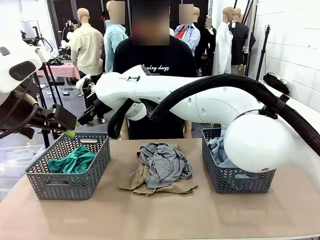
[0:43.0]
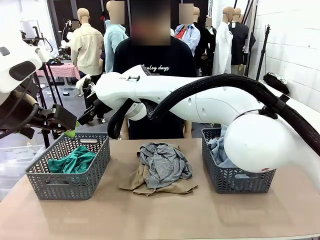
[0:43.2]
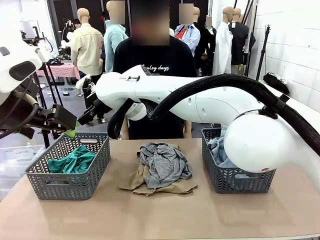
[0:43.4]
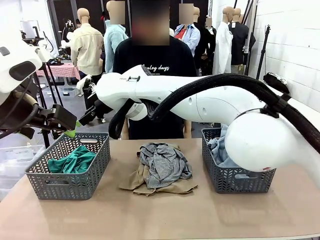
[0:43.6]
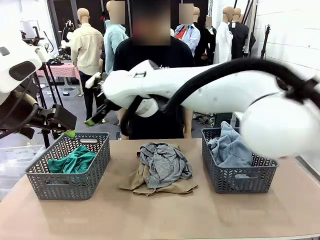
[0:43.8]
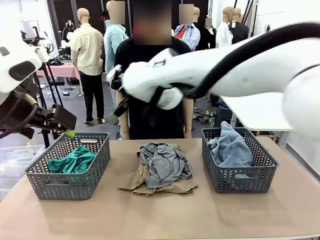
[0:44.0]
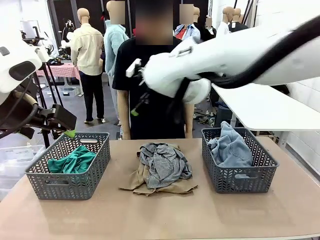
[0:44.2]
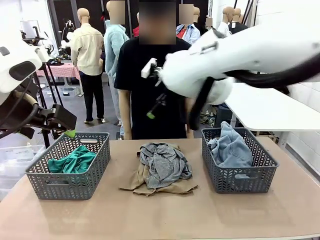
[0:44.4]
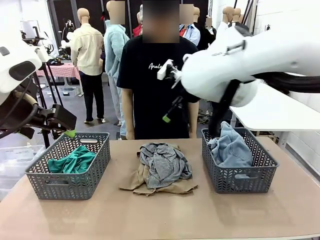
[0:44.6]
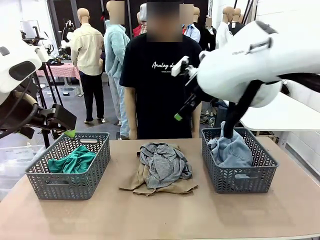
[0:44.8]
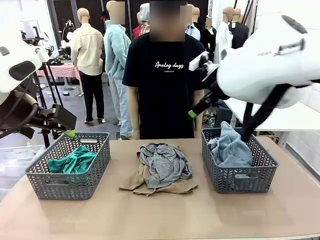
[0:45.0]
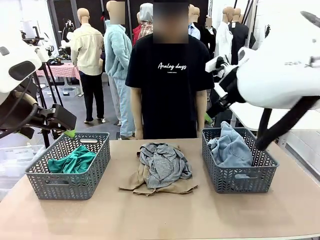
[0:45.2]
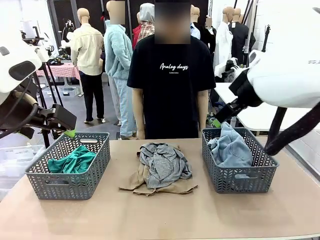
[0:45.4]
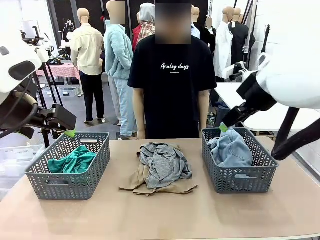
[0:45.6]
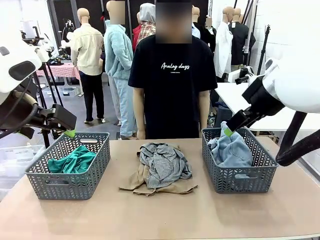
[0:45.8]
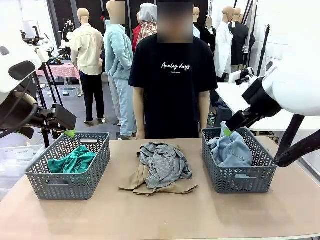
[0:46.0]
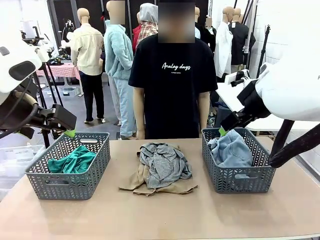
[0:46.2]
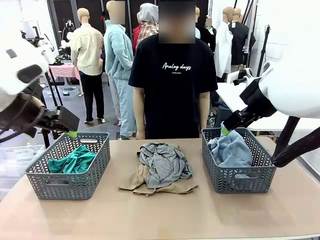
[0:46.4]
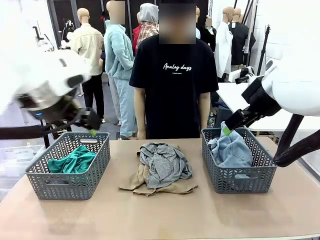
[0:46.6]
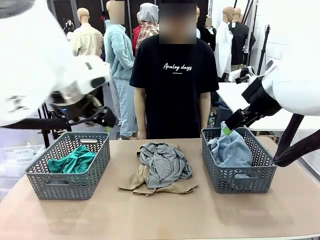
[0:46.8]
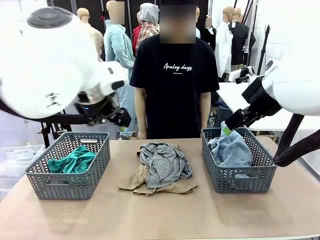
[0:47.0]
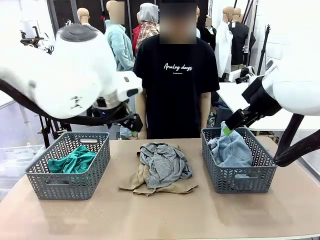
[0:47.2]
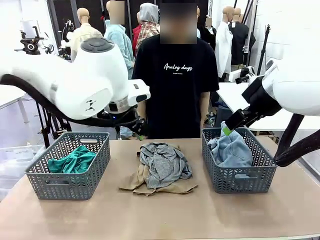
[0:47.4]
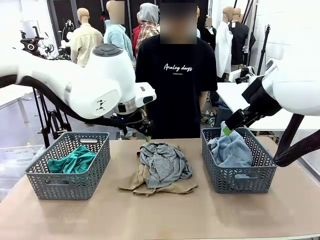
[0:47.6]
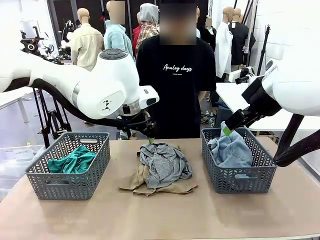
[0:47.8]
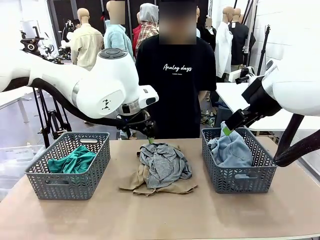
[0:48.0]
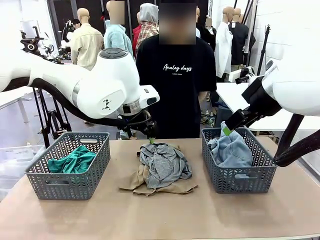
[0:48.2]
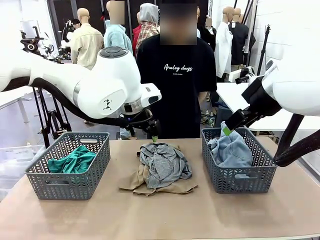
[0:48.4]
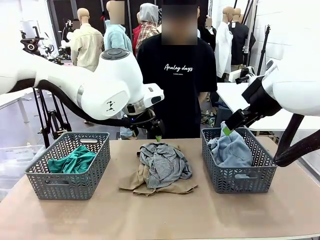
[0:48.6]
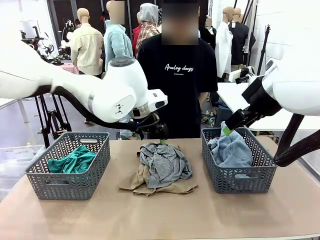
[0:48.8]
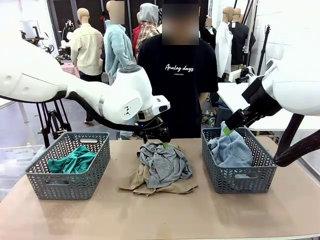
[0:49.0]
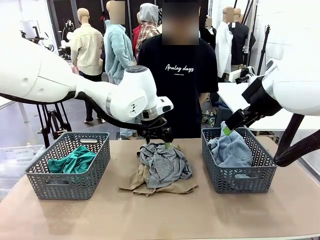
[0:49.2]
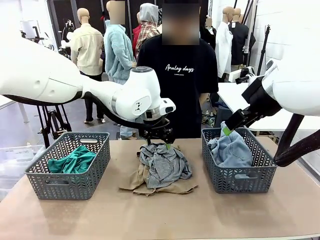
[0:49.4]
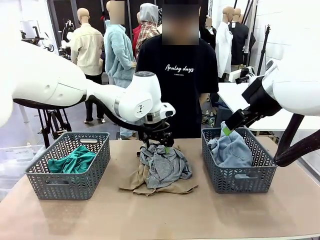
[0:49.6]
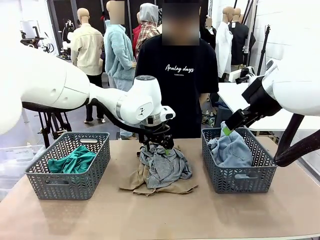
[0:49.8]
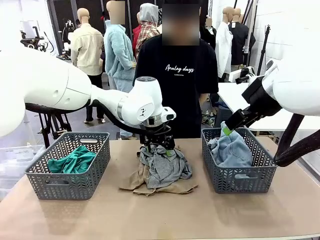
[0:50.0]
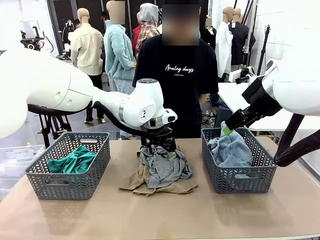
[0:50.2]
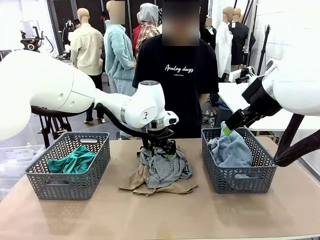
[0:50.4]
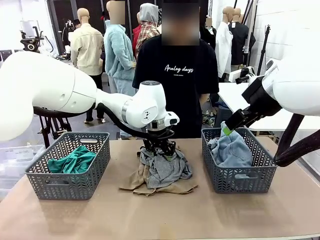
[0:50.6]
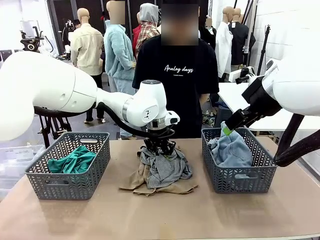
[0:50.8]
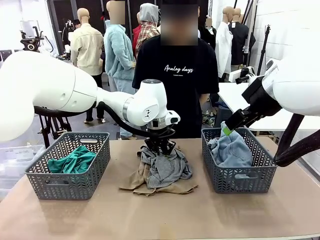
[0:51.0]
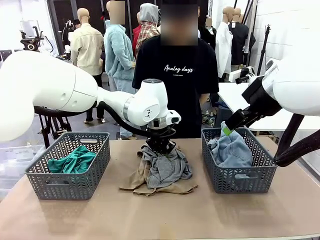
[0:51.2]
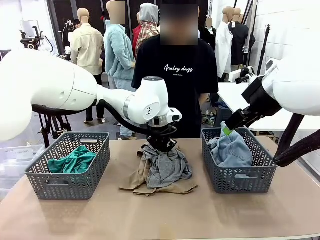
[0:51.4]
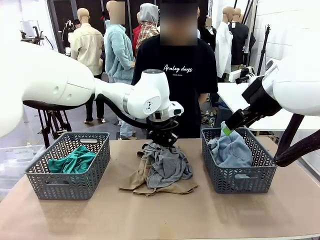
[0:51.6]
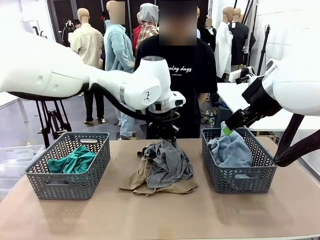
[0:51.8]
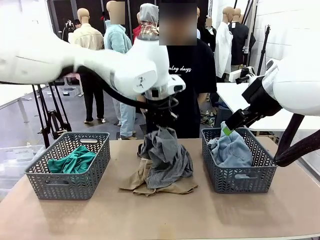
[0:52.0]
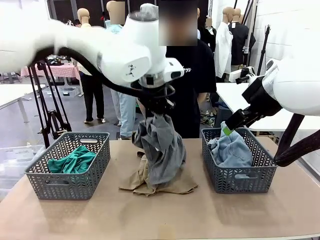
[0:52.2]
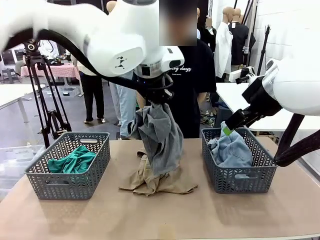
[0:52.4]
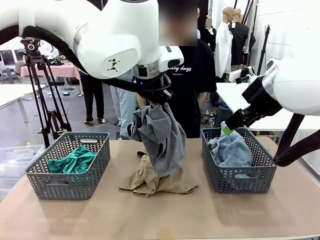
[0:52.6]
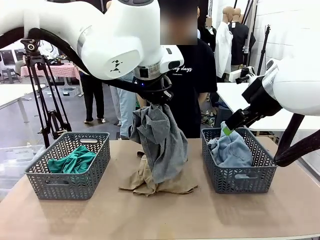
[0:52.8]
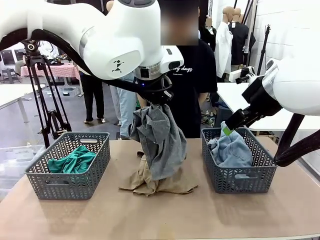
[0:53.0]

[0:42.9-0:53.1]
Task: Sort the tops and bottoms.
Robot: Lift clothes from the center of the table with your left hand.

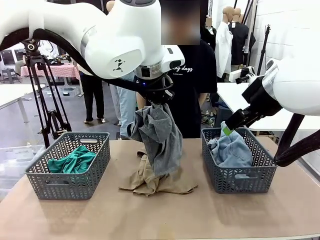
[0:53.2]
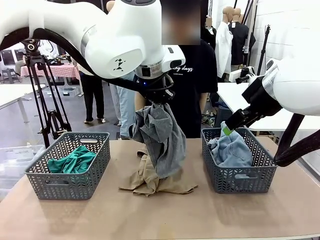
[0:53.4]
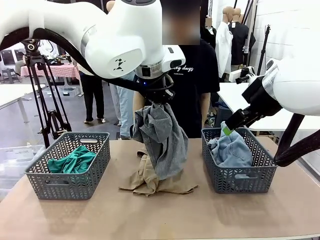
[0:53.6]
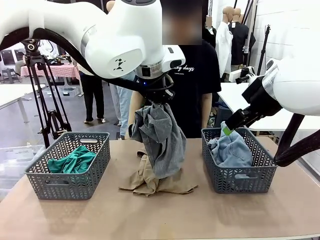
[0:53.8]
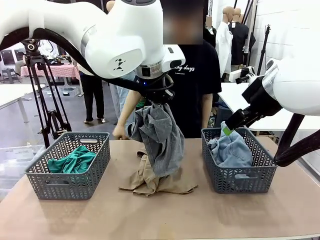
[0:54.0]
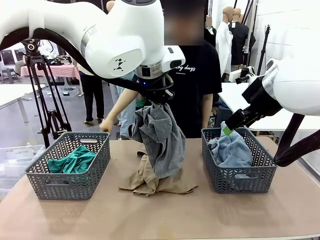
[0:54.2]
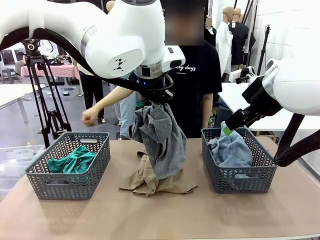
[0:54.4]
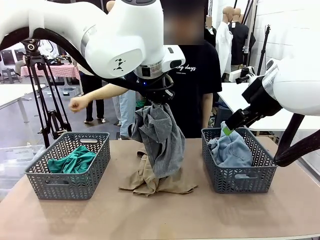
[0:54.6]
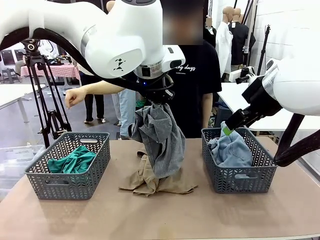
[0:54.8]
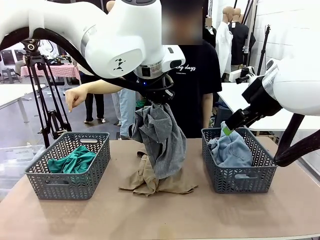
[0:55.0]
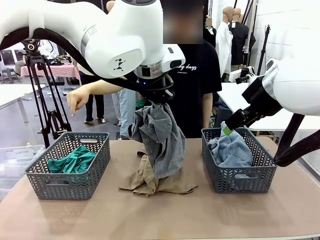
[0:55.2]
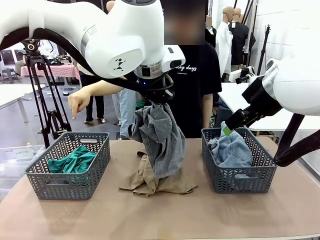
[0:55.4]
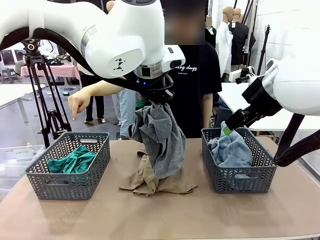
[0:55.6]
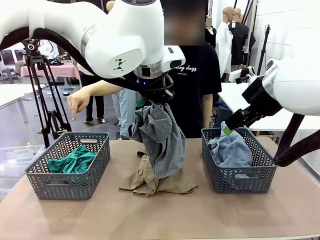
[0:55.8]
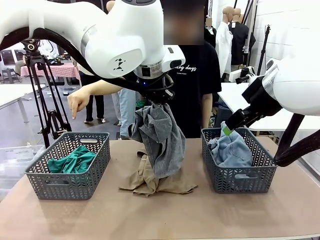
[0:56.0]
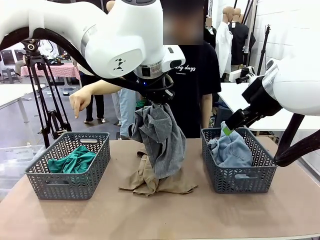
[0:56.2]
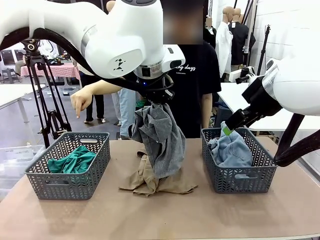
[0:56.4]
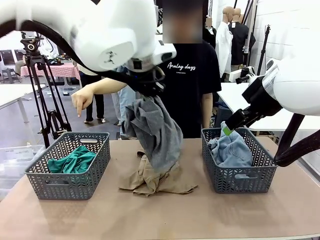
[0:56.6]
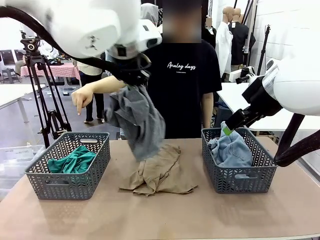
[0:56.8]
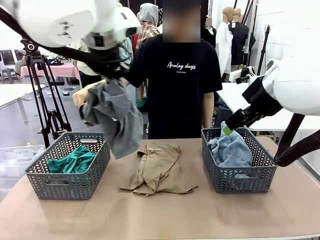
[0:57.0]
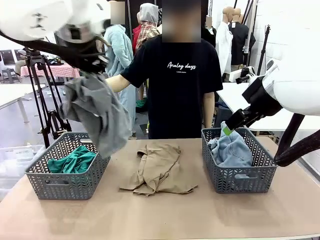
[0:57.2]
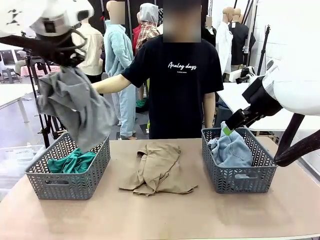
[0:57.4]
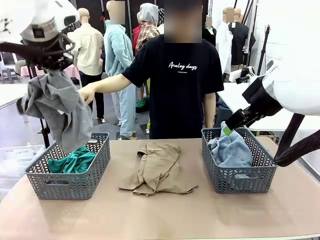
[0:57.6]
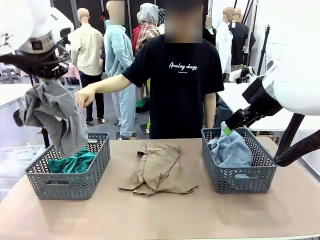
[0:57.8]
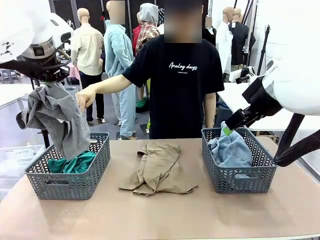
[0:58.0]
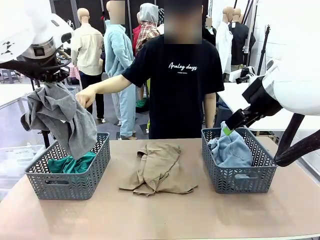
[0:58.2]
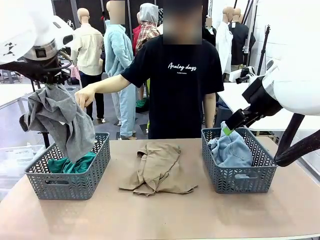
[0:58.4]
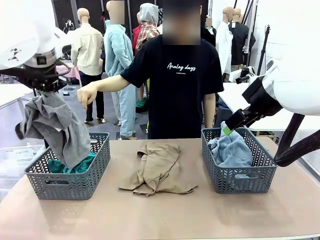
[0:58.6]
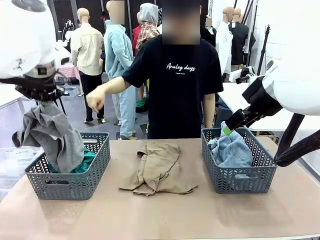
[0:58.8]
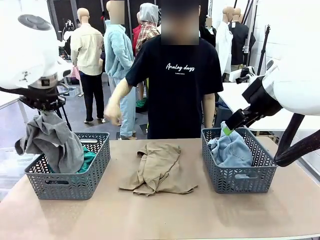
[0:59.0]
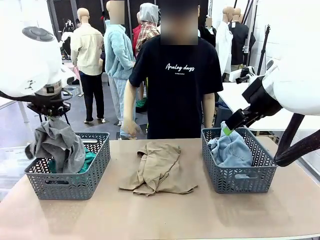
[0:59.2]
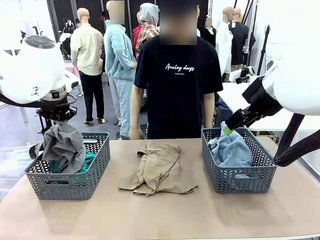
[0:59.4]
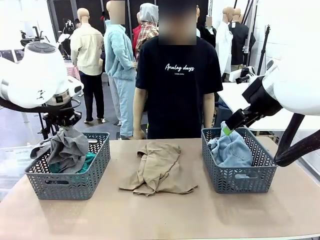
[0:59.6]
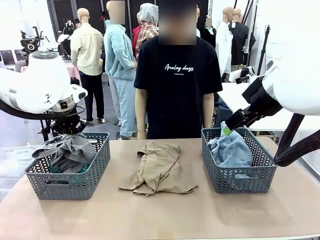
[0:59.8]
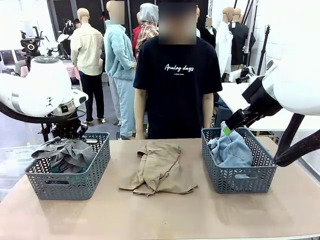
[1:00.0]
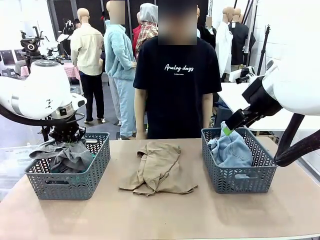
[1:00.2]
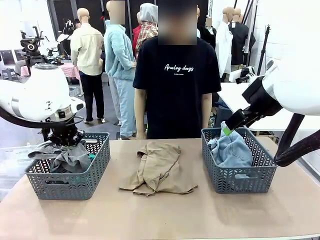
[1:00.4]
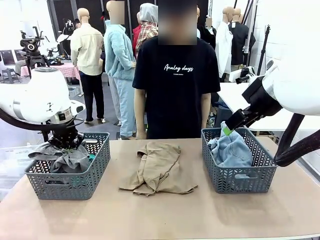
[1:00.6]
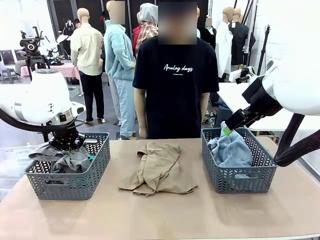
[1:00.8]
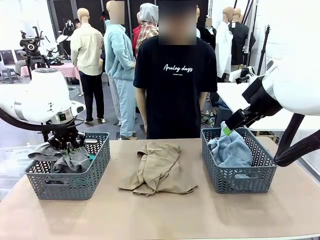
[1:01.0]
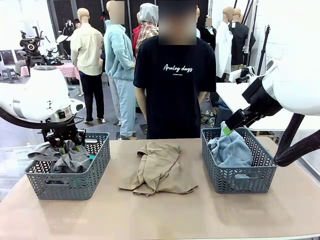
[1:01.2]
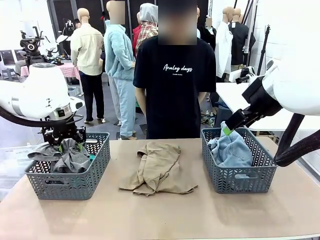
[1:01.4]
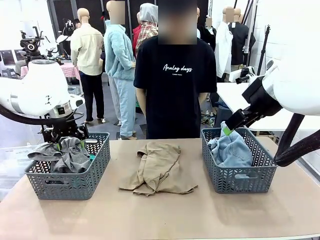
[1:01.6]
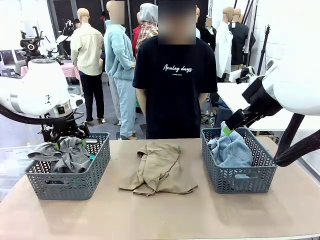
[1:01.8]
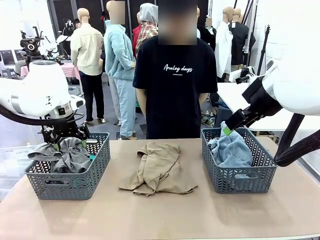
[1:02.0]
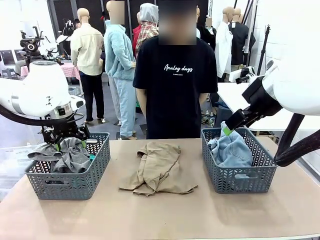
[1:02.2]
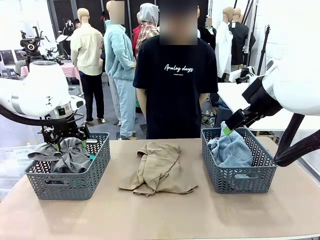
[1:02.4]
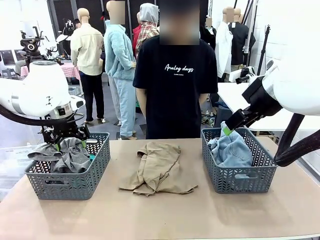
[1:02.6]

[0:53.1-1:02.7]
Robot: Sort the clothes according to human instructions.
